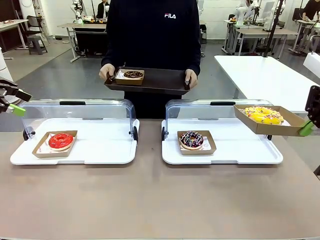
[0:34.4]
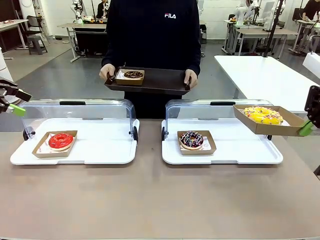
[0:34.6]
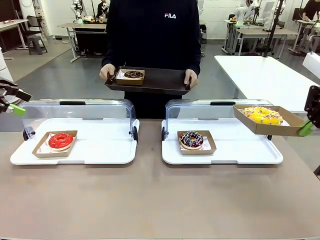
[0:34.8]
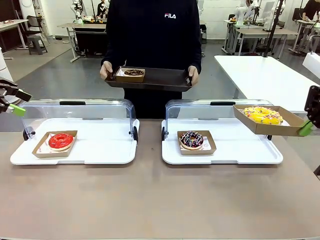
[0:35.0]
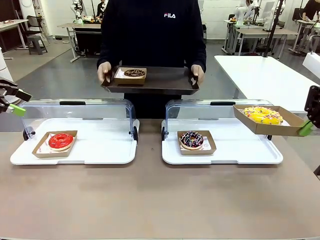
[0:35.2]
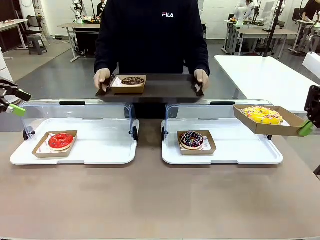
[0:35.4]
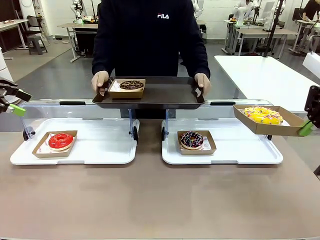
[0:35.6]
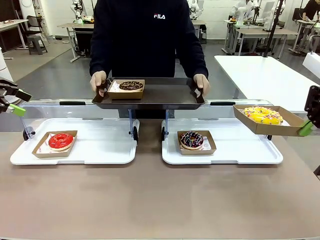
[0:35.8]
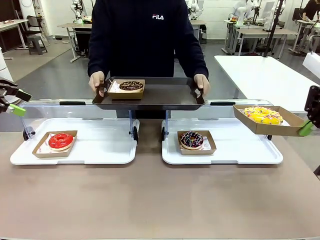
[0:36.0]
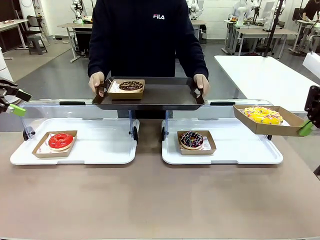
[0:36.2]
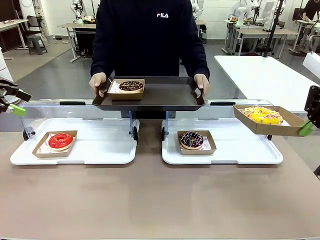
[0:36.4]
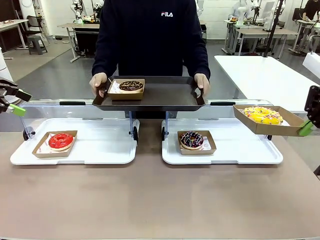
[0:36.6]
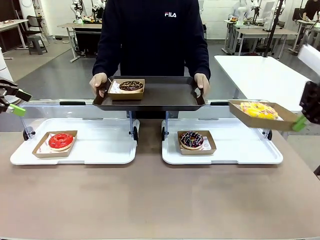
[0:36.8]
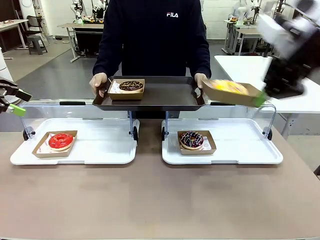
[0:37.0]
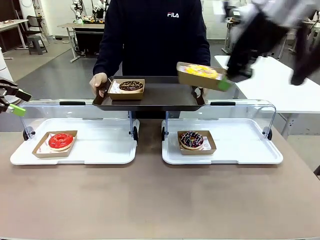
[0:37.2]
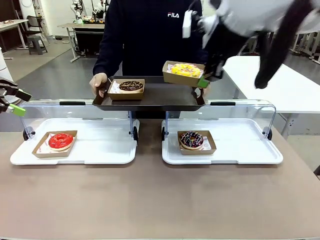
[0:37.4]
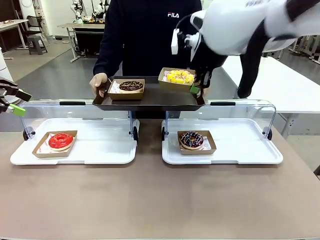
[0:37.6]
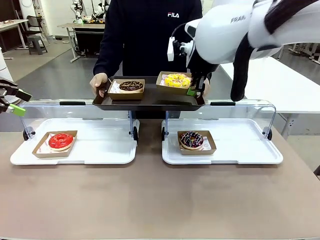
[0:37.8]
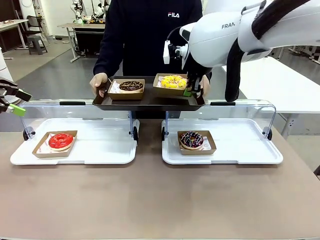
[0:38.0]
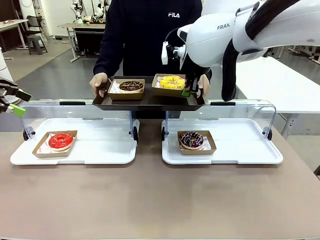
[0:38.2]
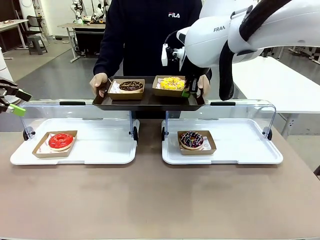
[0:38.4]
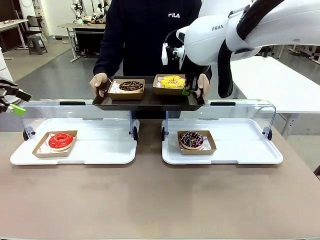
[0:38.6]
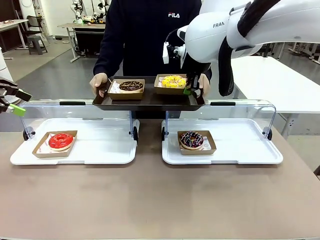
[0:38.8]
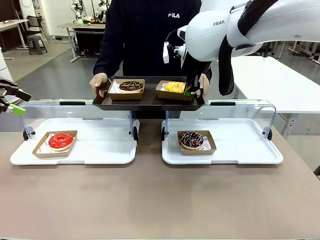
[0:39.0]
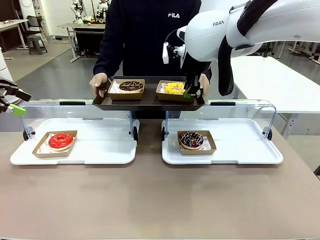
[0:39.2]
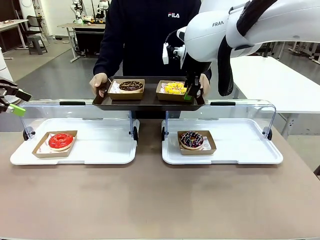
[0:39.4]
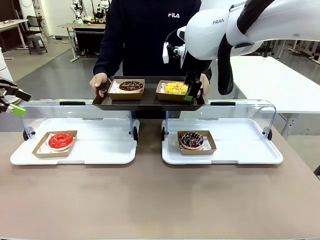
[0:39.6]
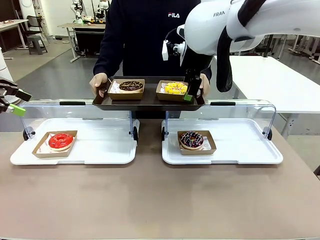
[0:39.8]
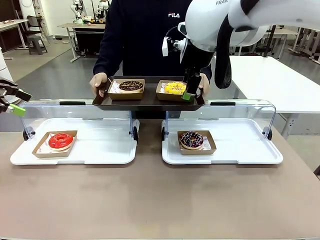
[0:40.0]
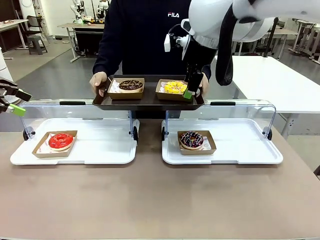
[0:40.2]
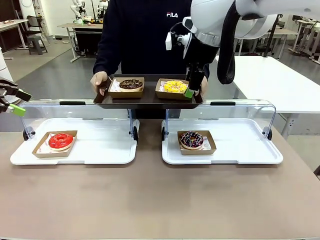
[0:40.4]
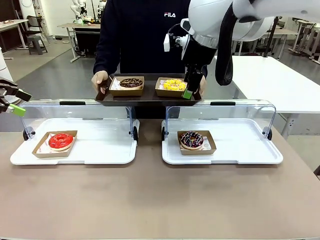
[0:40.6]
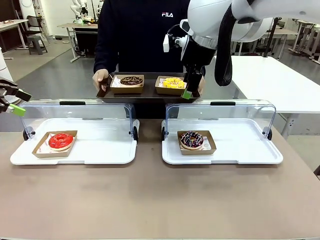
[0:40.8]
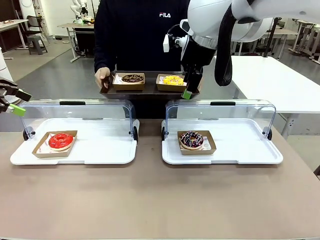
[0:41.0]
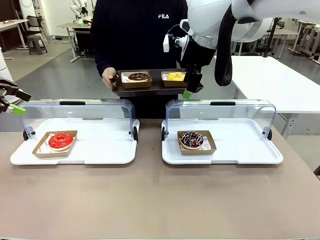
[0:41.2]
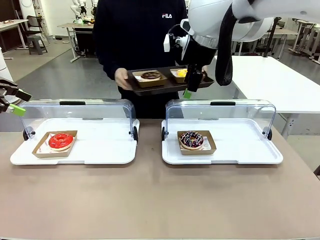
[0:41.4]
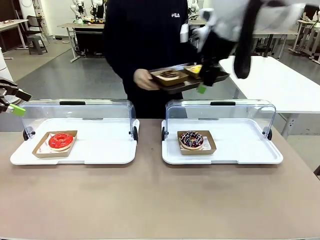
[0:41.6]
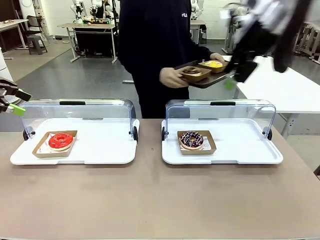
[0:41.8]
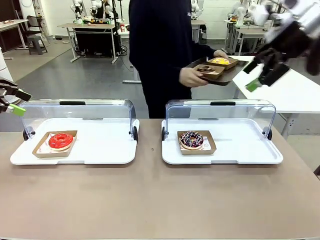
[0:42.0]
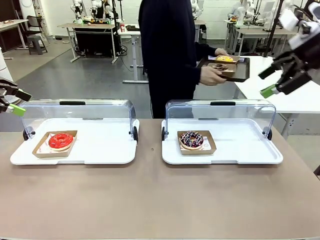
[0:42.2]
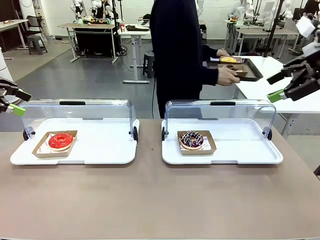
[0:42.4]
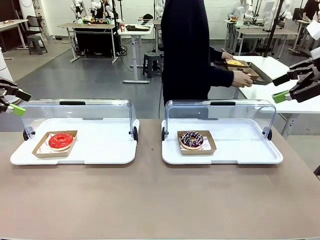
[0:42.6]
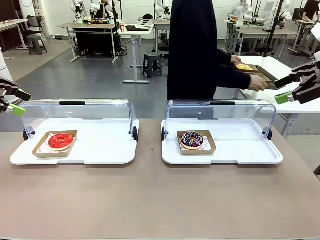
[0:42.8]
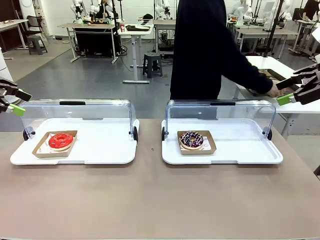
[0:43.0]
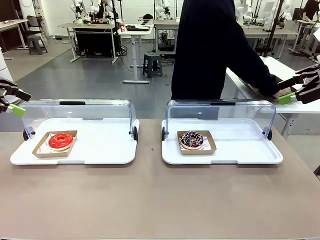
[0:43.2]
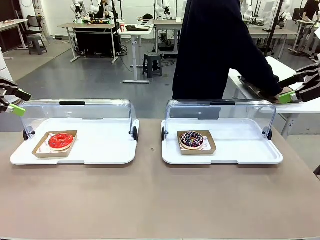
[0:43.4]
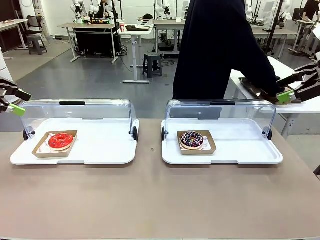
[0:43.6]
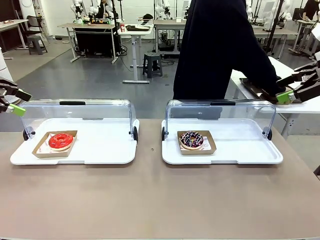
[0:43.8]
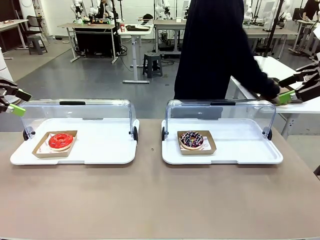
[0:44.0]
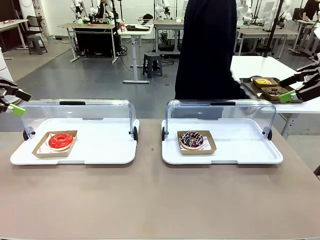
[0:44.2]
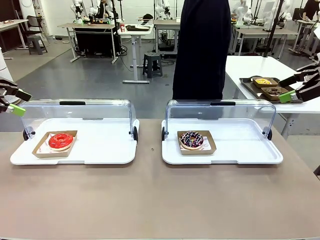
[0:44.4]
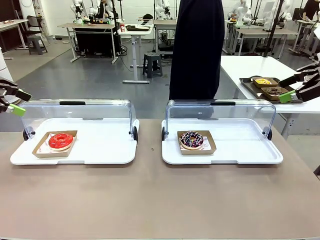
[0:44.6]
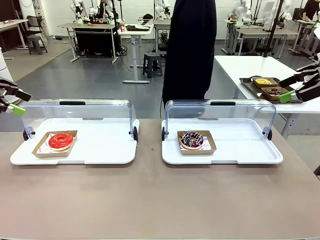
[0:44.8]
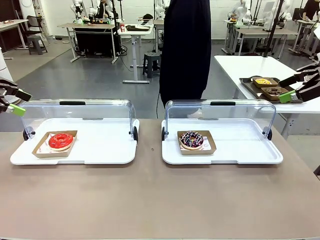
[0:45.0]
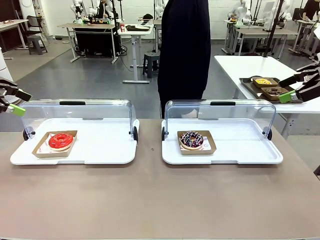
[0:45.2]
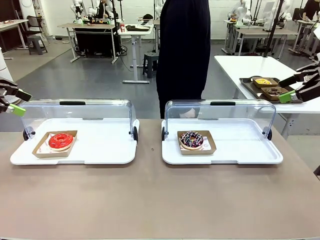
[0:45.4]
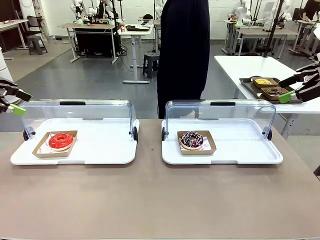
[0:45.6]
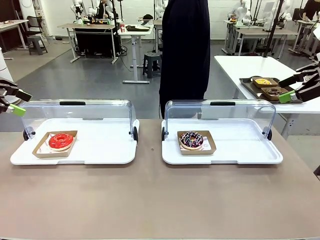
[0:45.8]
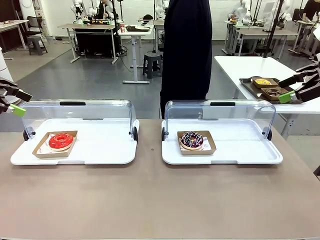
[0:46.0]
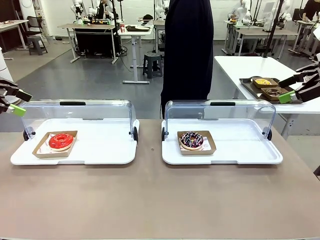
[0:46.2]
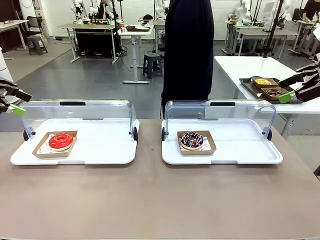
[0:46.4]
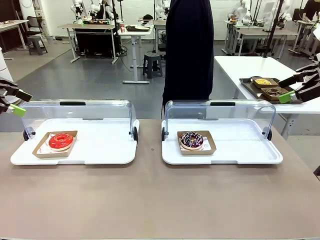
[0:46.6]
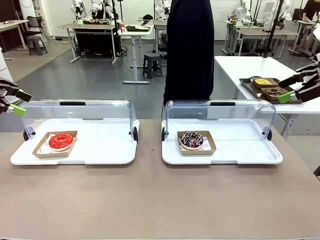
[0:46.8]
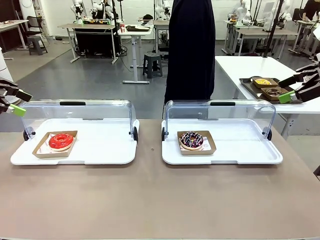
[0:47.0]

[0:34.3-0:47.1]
Task: Provide the desired donut to the person.
Robot: Place the picked Paper togo box onto the Handle tray extended by the person.
Person: Place the tray in the middle of the human table.

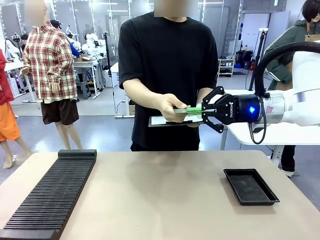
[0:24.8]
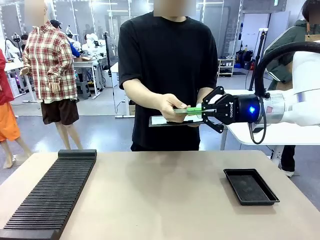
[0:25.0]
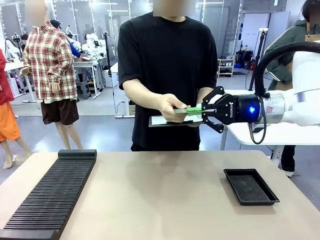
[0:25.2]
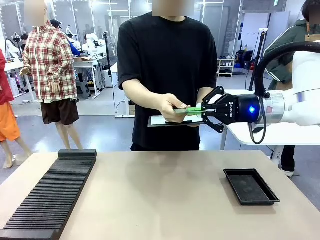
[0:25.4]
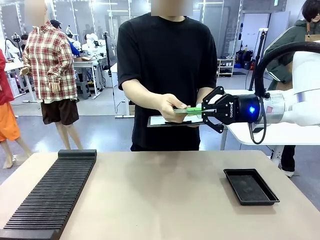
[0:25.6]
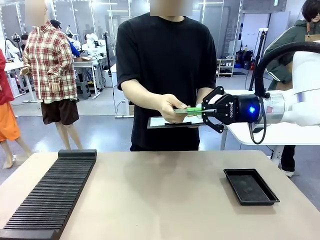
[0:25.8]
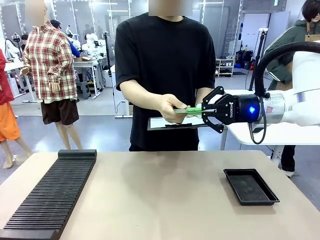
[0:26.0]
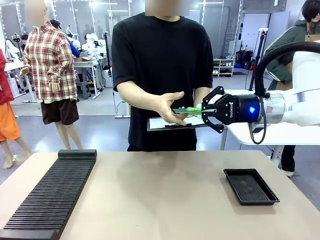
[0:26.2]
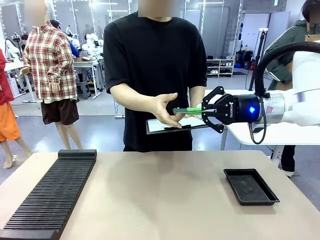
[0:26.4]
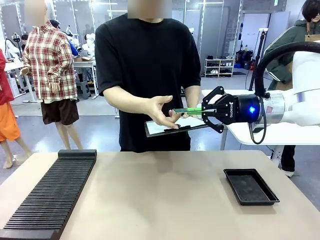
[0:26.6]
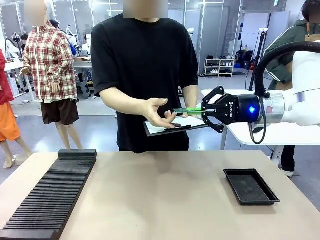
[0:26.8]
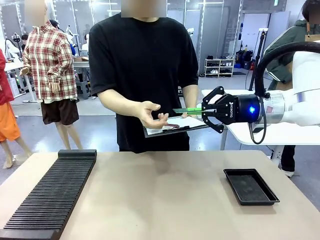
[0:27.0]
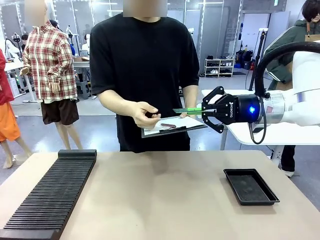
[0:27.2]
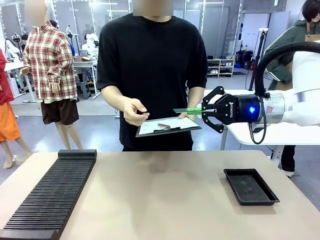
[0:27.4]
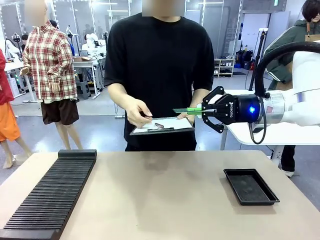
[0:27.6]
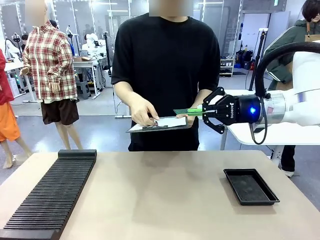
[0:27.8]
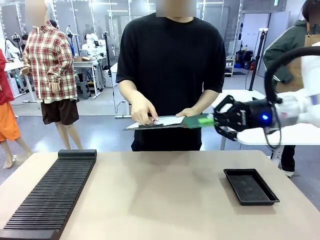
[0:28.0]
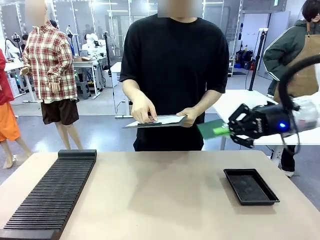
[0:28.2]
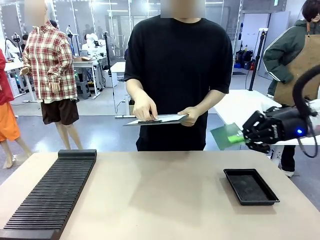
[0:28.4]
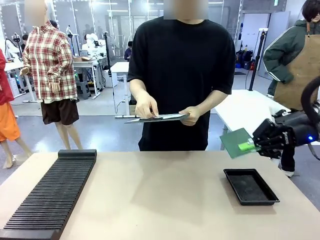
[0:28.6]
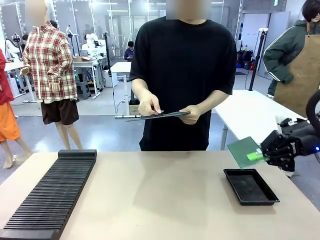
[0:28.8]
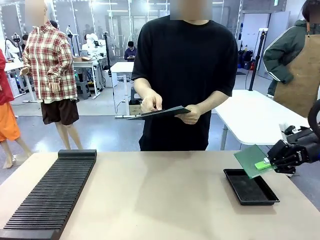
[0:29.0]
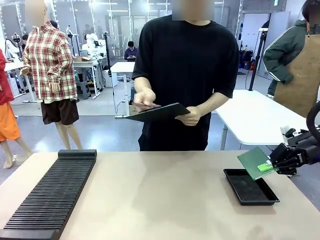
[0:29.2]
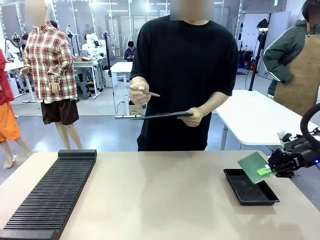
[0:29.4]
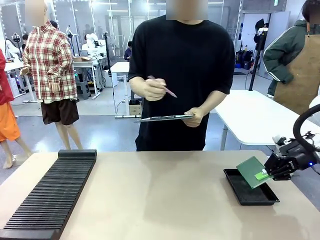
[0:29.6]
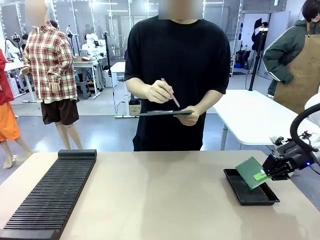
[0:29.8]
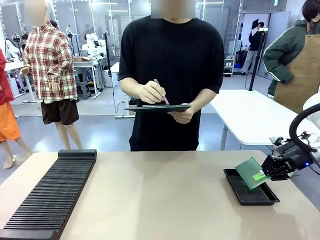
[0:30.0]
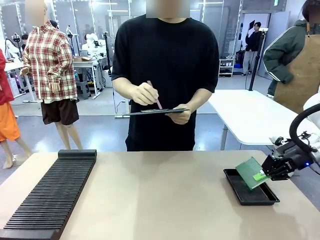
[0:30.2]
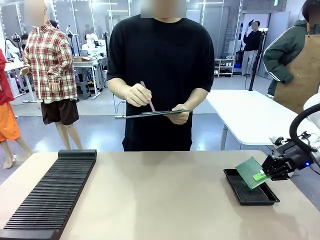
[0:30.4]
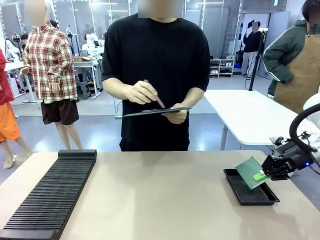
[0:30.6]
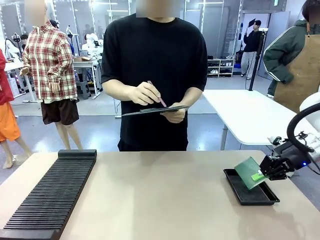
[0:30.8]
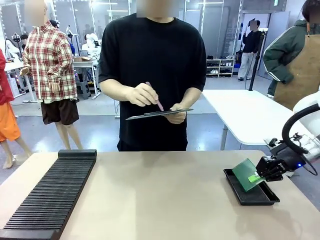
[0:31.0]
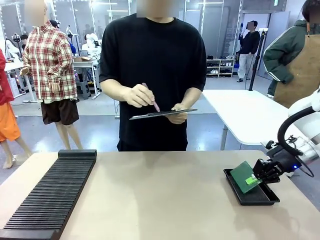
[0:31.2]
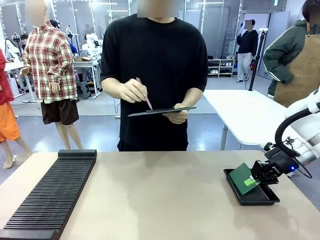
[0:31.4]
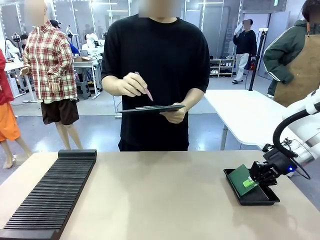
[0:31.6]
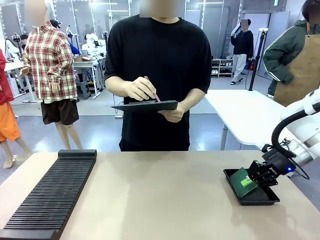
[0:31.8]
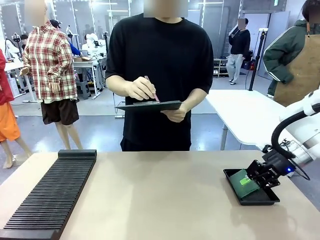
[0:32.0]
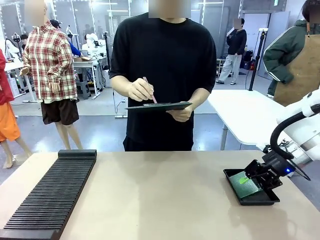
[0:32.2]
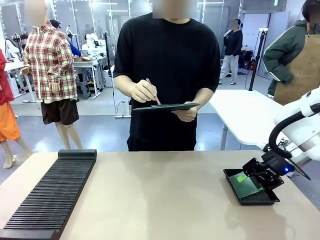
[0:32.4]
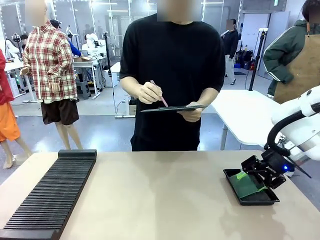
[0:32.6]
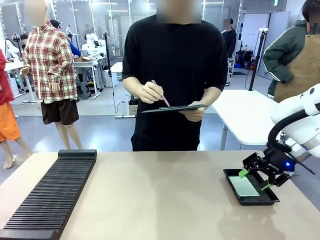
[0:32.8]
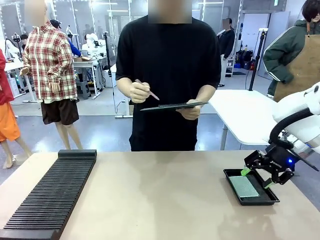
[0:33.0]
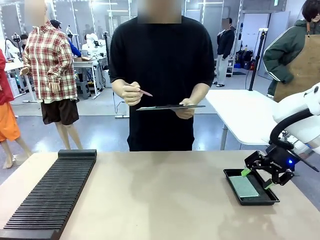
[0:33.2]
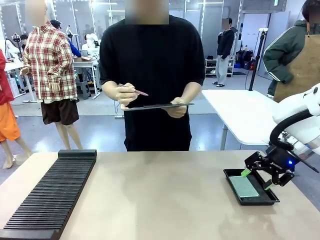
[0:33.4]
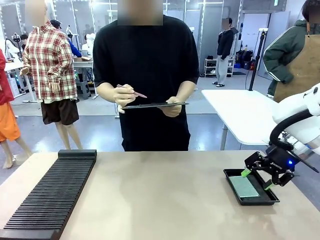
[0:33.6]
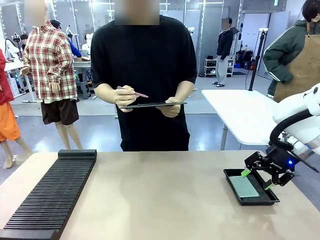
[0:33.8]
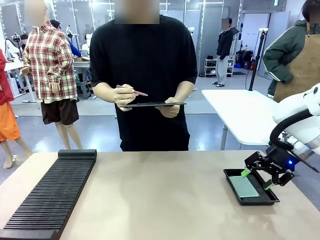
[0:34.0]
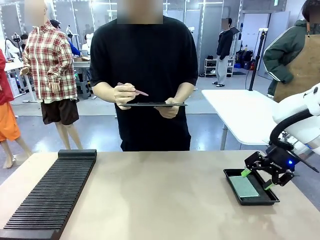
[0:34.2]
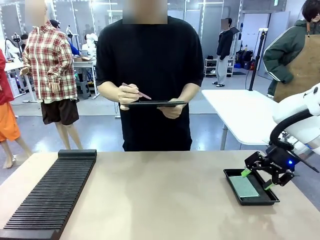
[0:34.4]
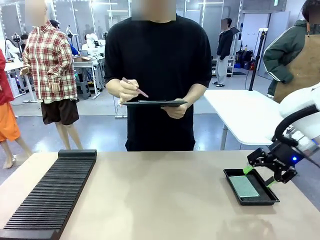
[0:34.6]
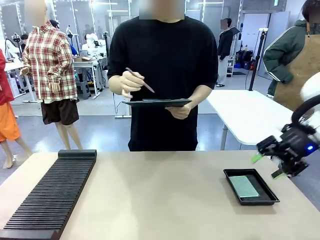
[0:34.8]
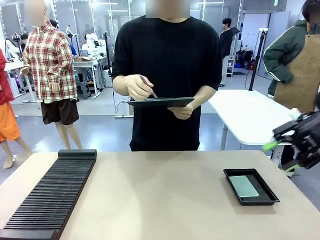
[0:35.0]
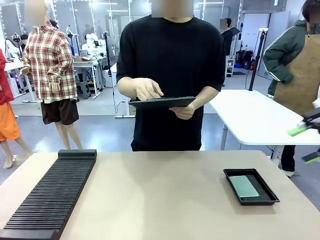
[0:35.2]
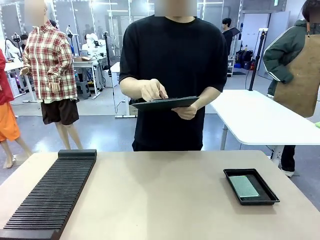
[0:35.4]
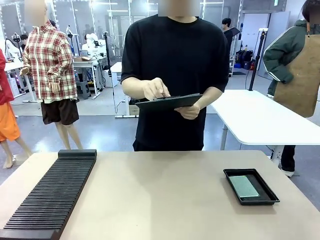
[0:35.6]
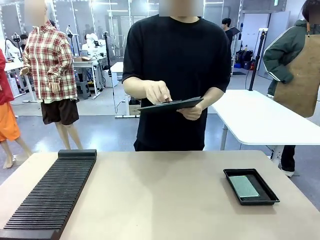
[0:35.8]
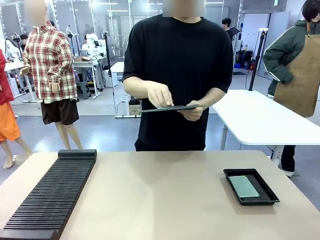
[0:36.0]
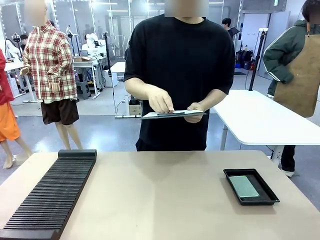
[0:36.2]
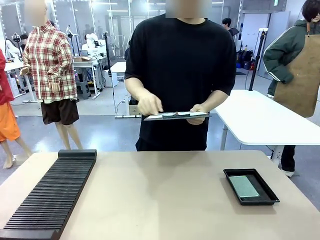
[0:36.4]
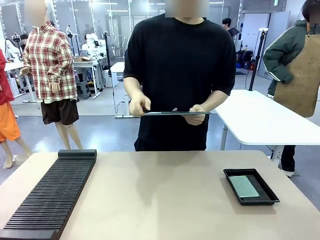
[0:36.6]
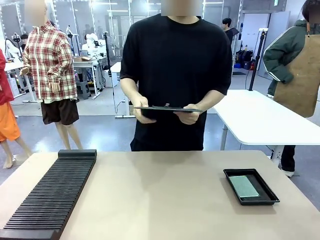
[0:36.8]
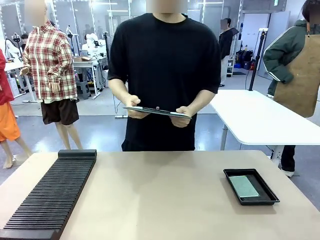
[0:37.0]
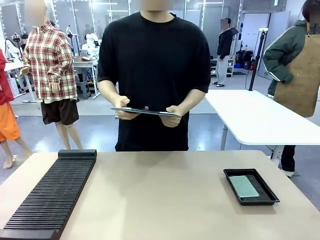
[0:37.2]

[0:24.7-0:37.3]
Task: Inspect the PCB.
Robot: Place the Blank PCB in the ESD tray.
Person: Record the PCB status on the paper.
